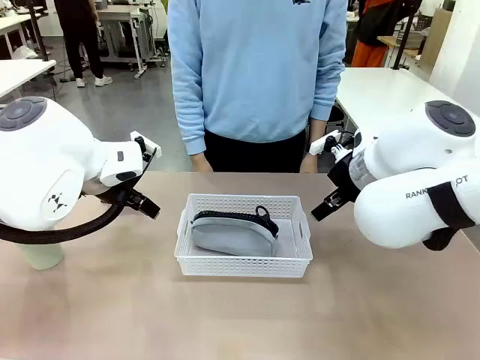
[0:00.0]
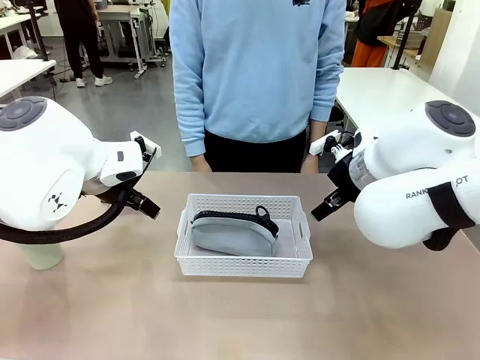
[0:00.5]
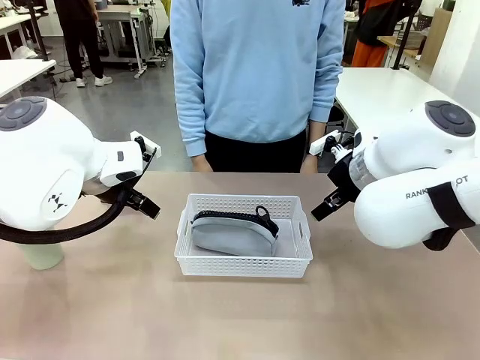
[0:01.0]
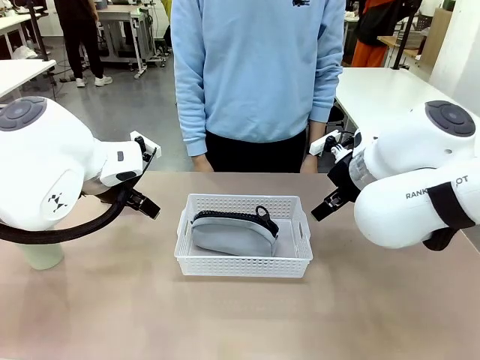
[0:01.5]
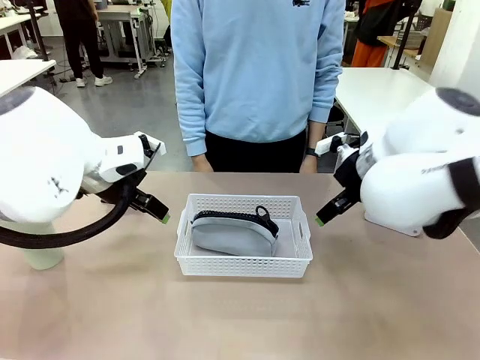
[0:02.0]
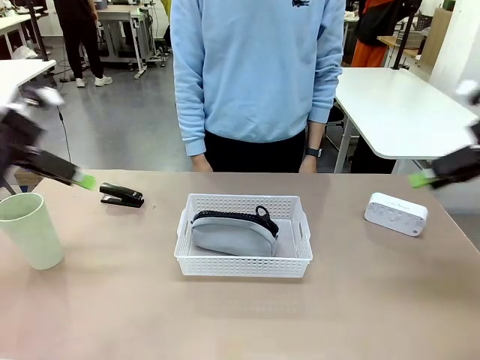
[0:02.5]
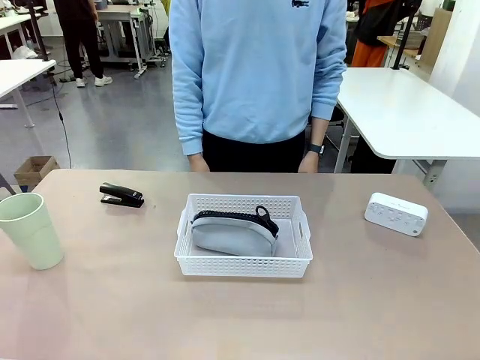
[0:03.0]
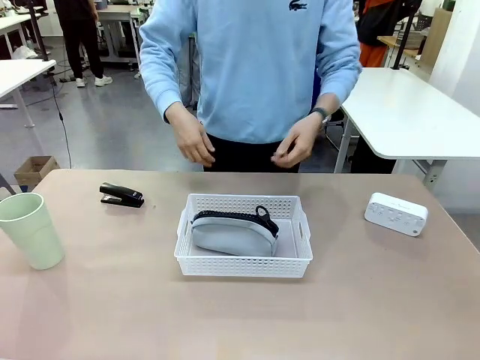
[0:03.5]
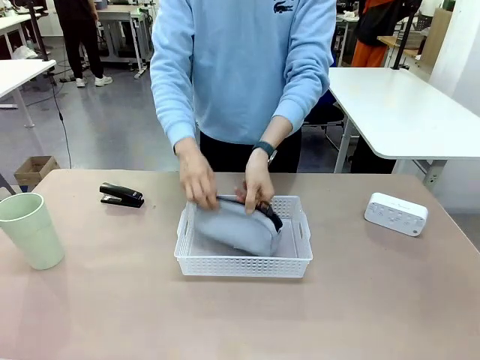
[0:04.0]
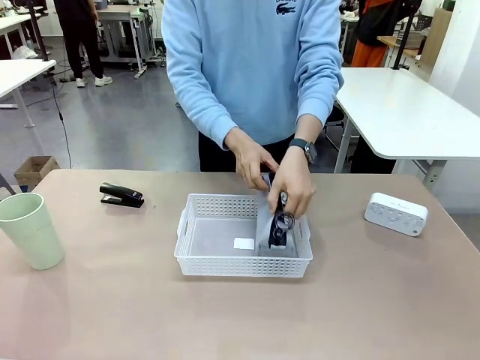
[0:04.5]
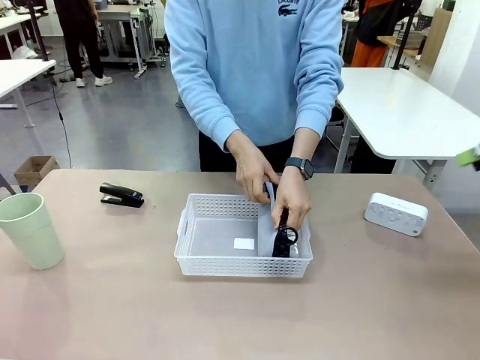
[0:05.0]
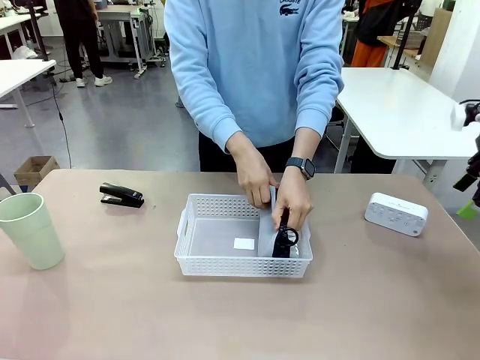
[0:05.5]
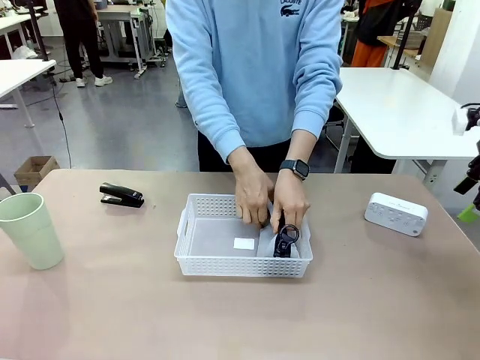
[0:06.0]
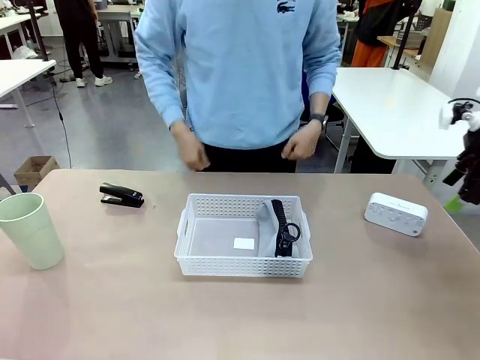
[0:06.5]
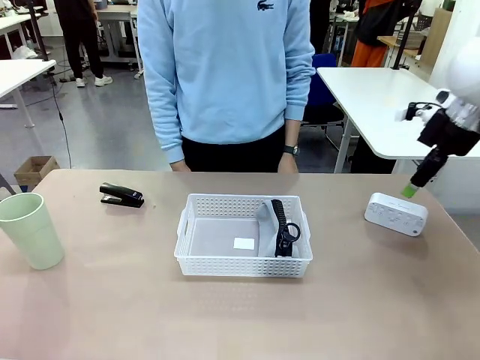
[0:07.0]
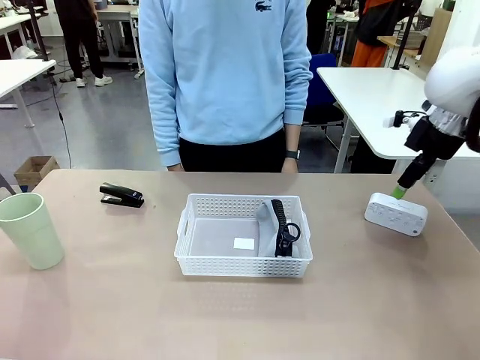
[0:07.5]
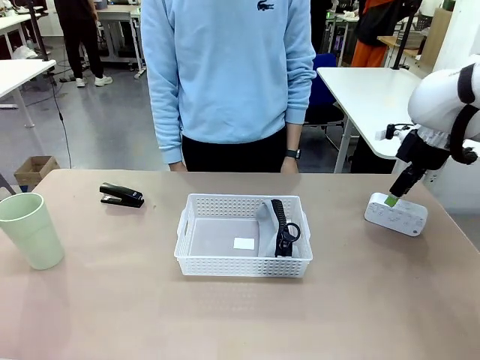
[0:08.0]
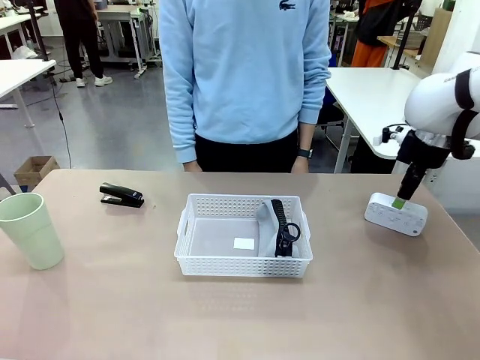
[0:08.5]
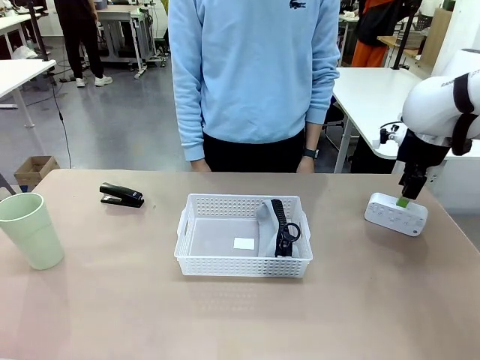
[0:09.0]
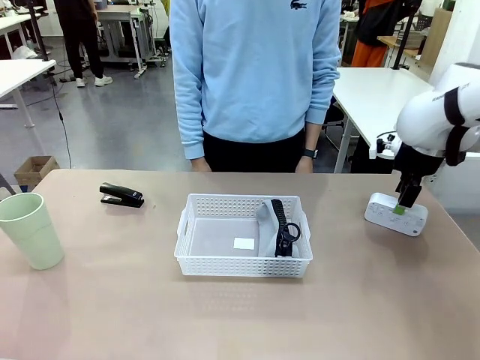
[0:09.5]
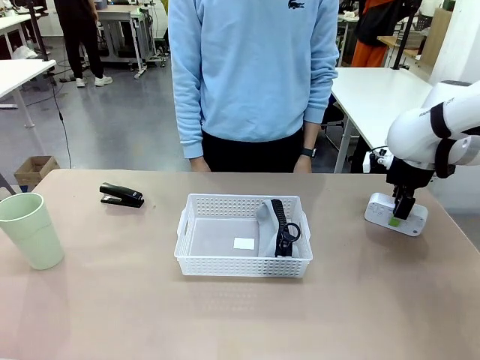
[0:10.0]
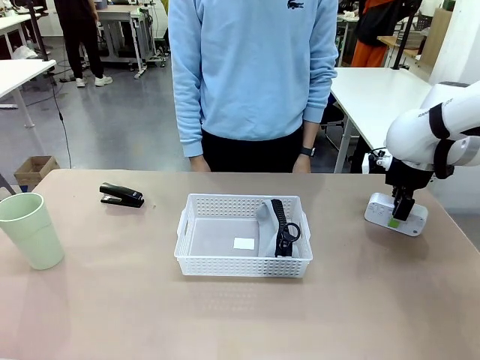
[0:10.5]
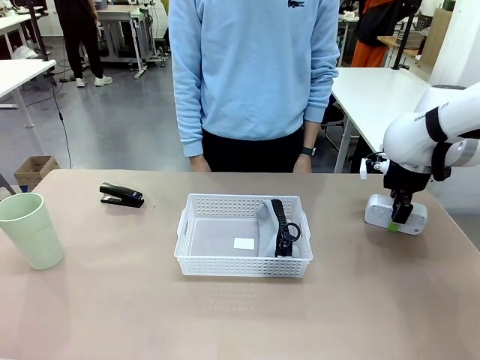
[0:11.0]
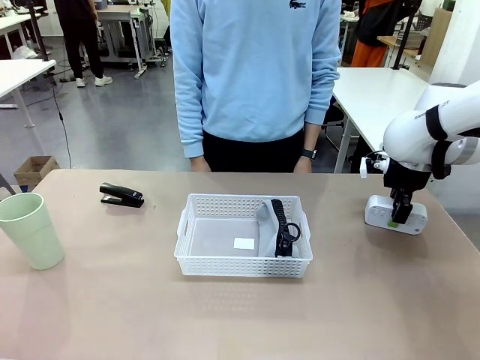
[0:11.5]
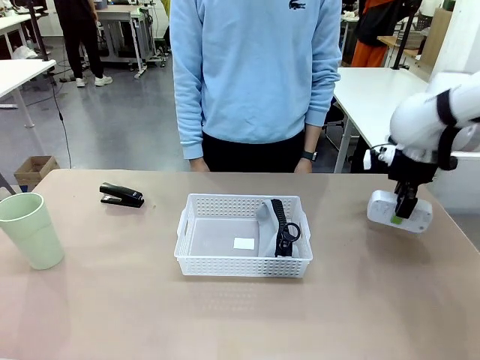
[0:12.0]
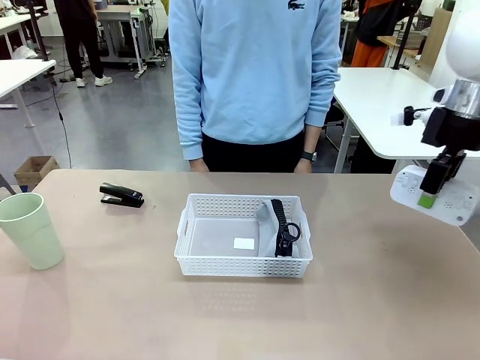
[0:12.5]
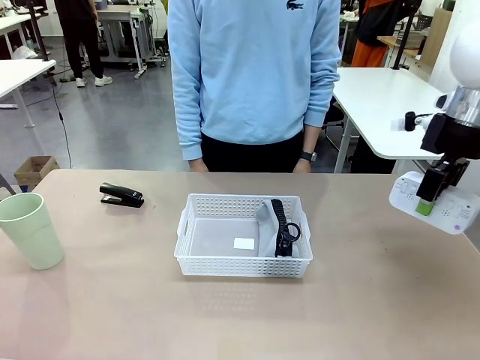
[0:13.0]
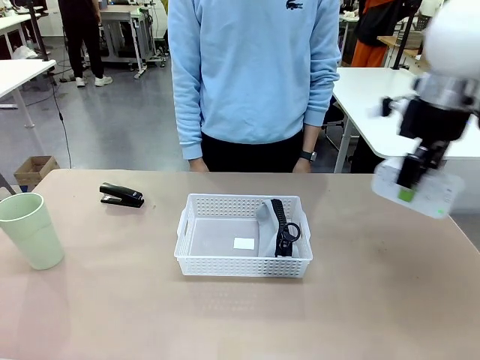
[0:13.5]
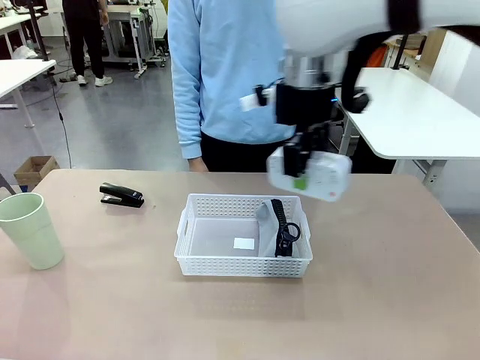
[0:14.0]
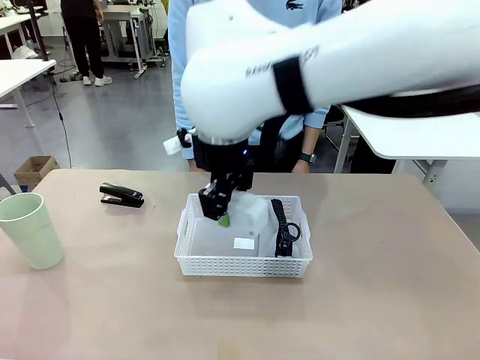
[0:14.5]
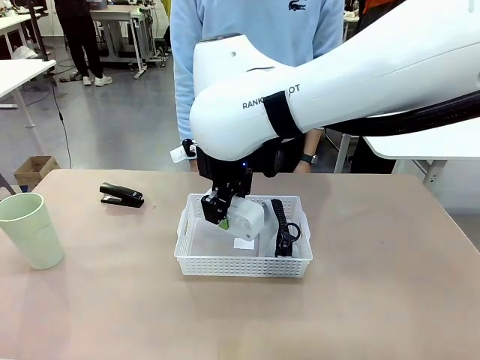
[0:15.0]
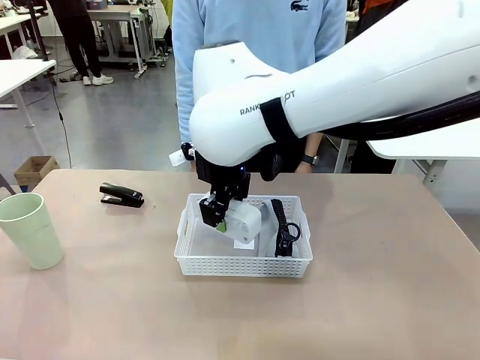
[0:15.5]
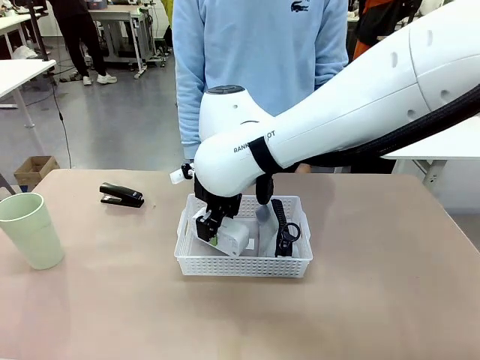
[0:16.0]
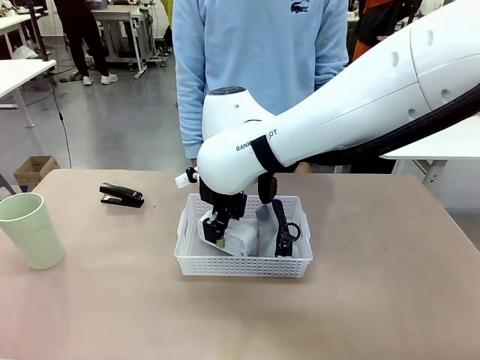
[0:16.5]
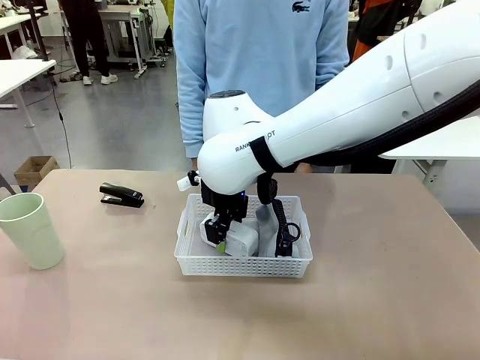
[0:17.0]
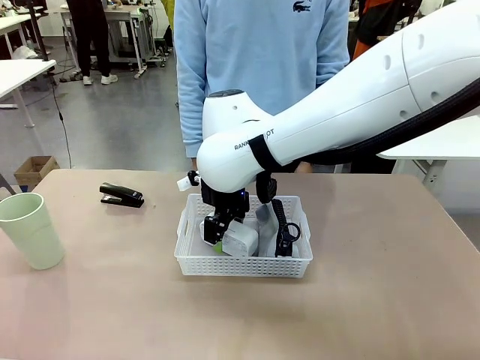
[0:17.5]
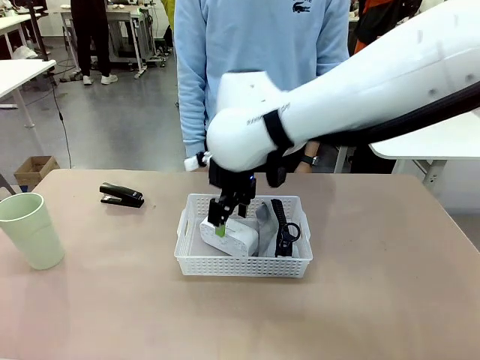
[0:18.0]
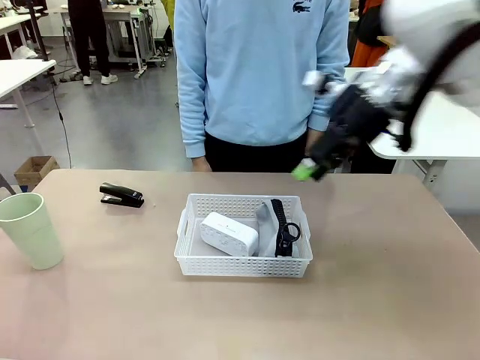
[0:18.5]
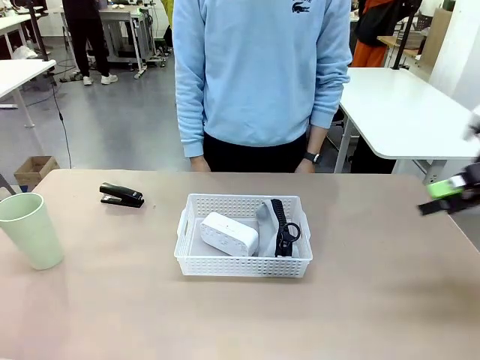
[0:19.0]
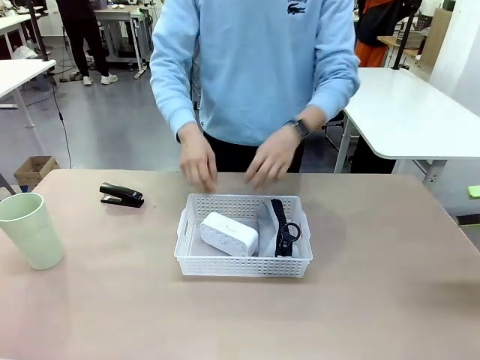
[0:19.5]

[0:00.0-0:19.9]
Task: Efficiently arrange items inside the basket to fit them all.
Robot: Pick up the Digital clock and place it inside the Organizing basket.
Person: Repositions the pencil case. Repositions the digital clock.

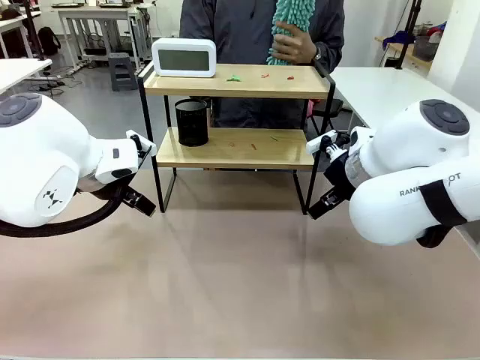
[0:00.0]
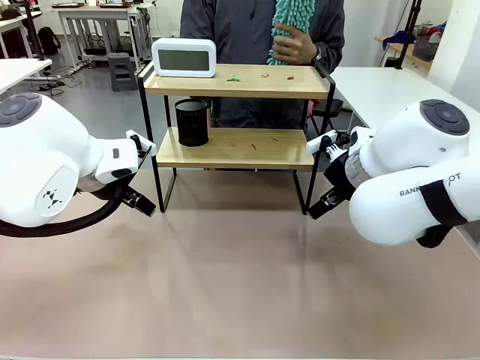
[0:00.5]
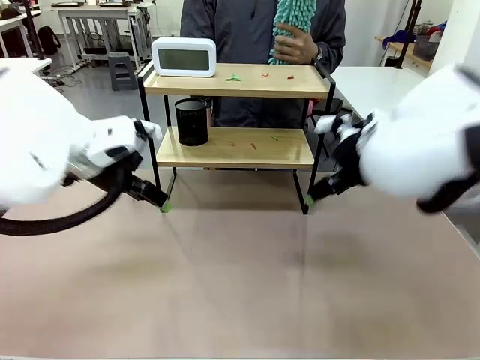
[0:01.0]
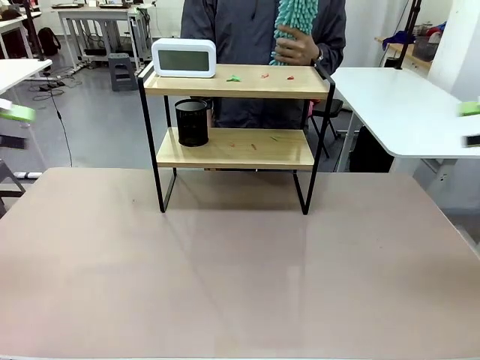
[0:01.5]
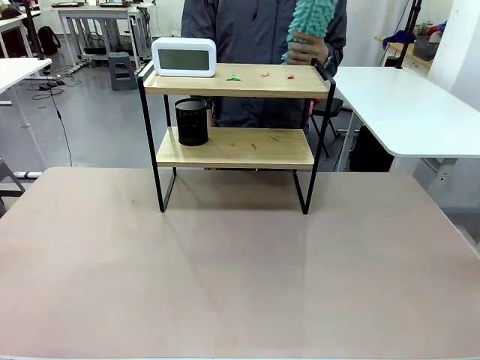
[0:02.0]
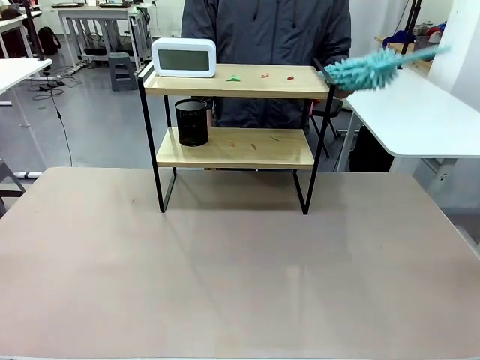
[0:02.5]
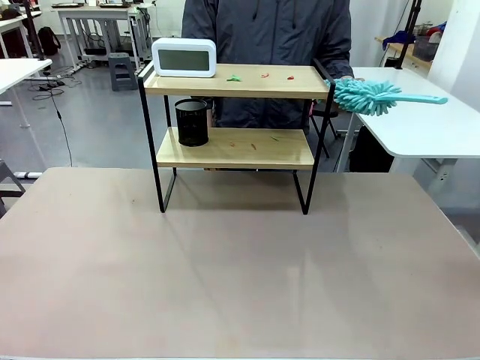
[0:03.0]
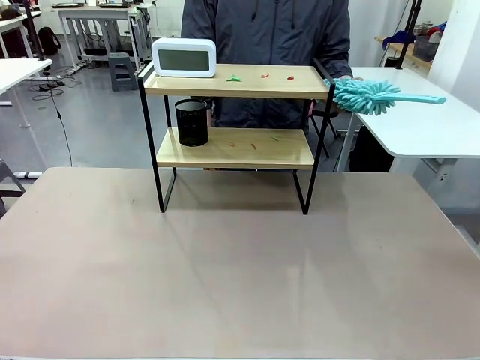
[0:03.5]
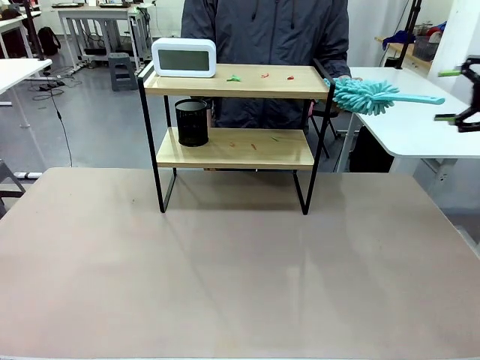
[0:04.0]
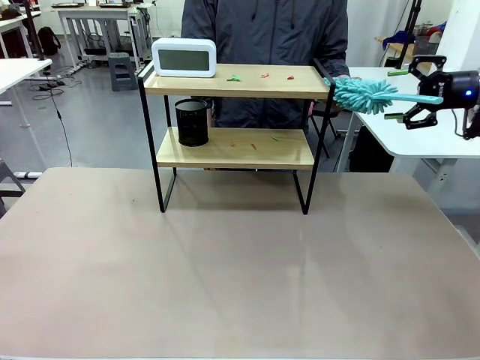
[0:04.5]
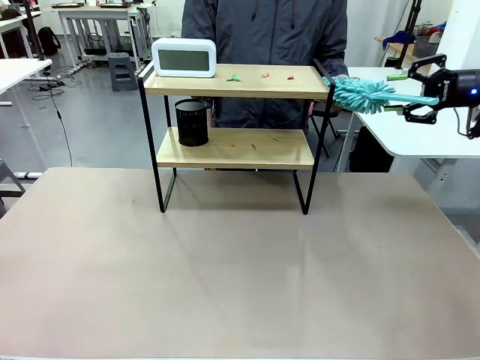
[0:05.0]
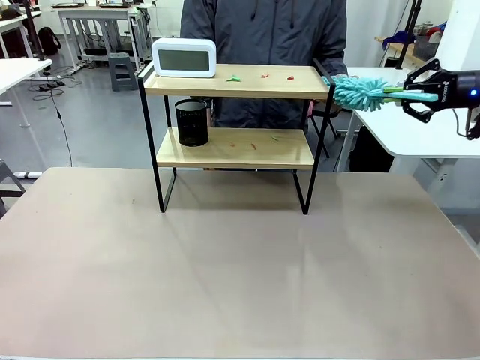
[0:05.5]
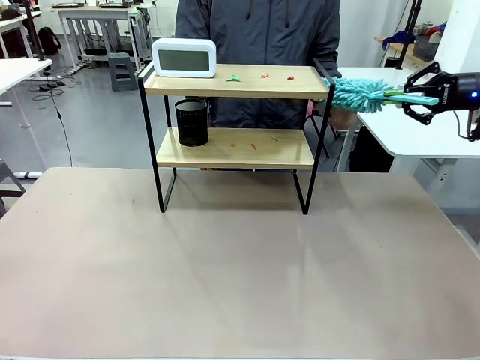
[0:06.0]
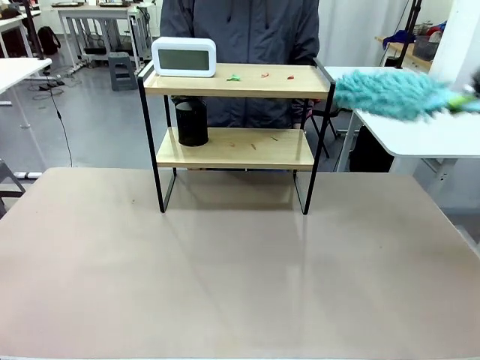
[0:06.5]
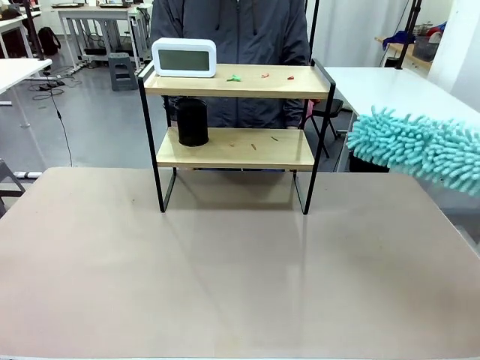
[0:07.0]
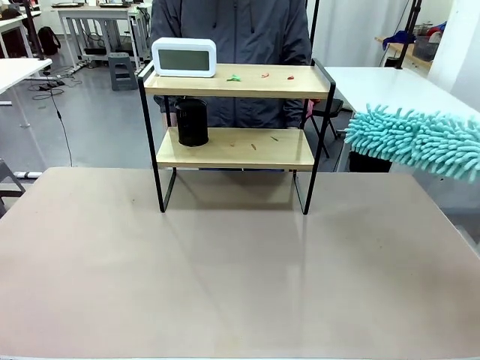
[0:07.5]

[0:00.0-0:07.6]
Task: Clean the shelf.
Robot: Pick up the Duster from the human.
Person: Hand the Duster to the robot.
